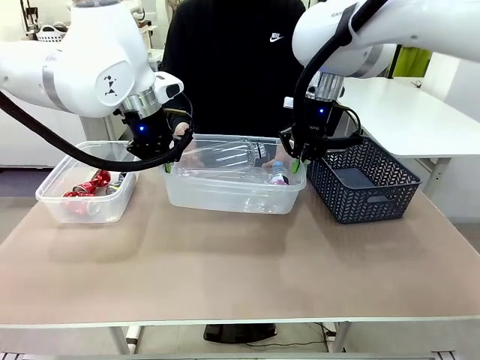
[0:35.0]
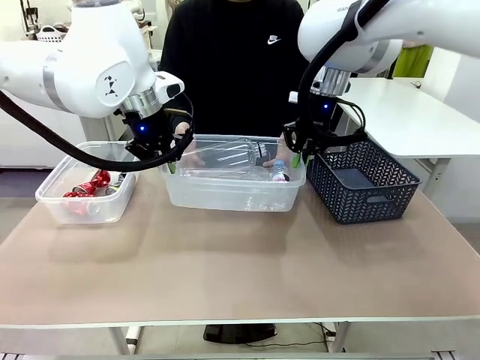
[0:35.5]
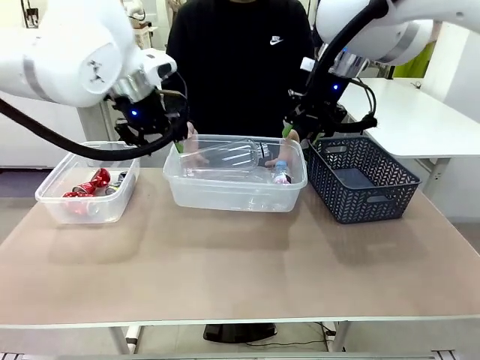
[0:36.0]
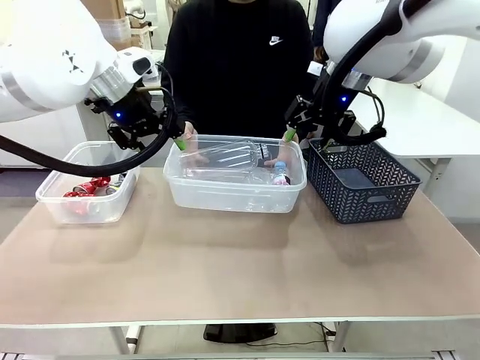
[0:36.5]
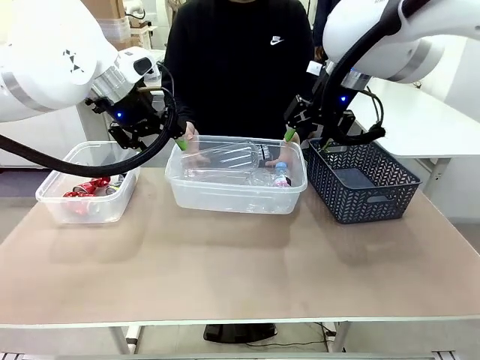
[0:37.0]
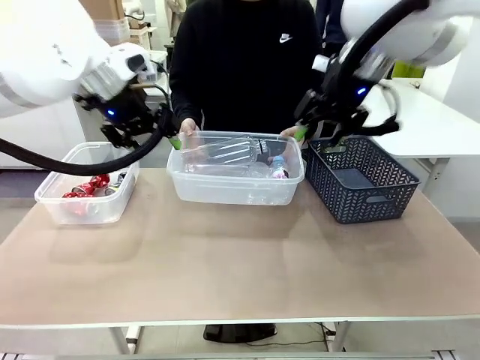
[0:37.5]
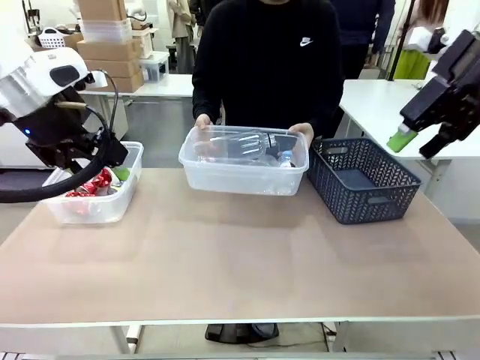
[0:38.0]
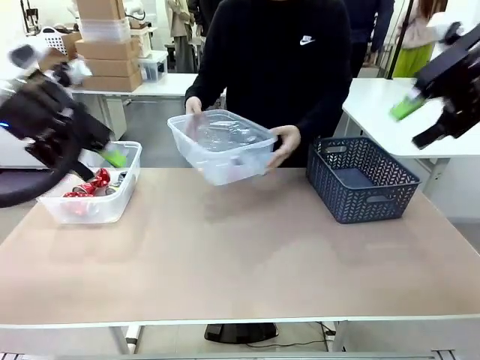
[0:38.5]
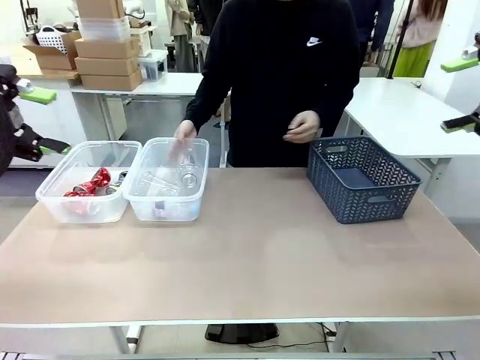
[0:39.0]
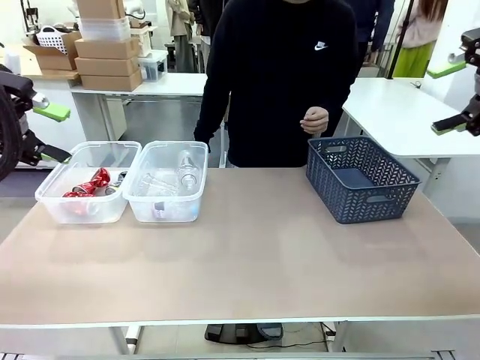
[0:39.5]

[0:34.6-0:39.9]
Robot: Release the Organizing box you were holding.
Person: Pick up the organizing box extended by the robot. Place the organizing box to the left of the sorting box containing the can waste.

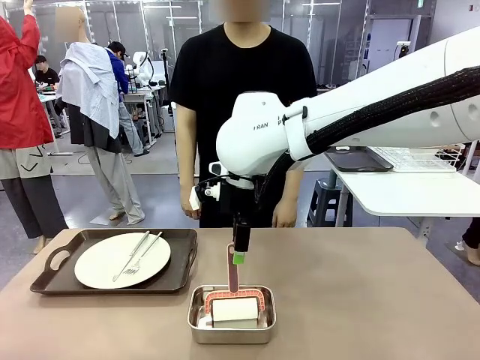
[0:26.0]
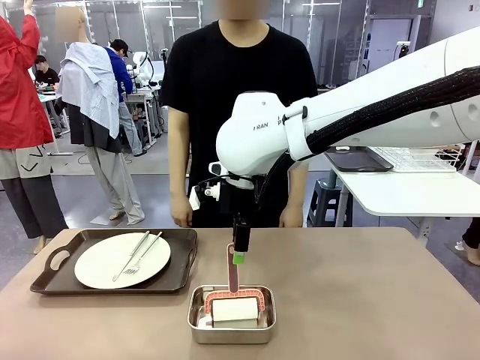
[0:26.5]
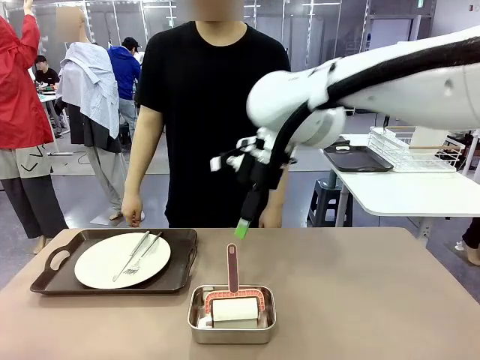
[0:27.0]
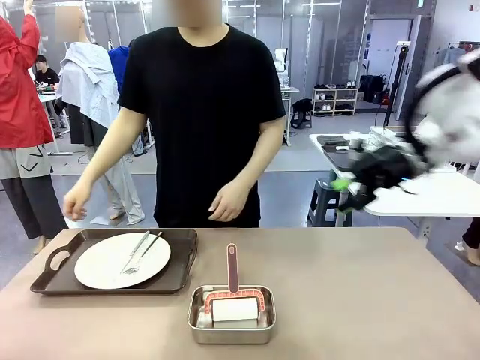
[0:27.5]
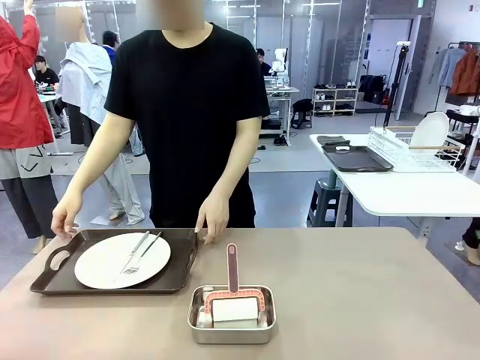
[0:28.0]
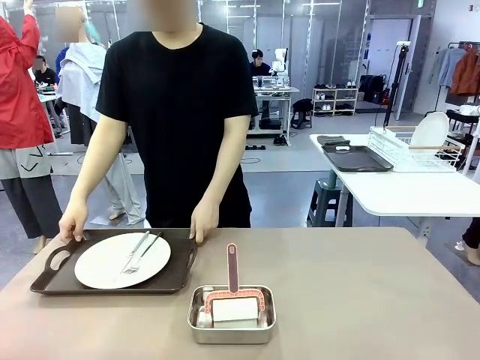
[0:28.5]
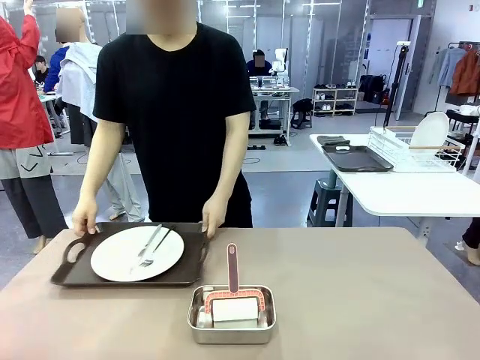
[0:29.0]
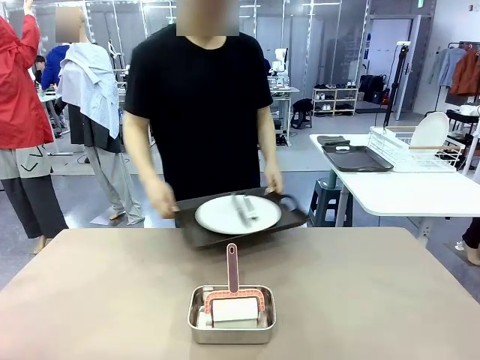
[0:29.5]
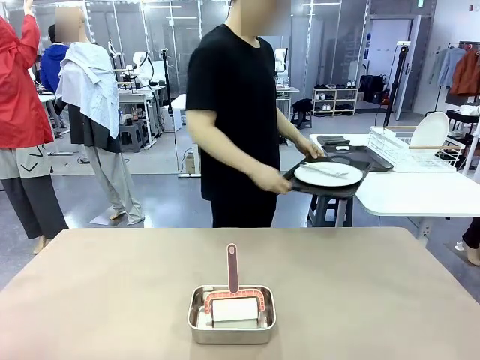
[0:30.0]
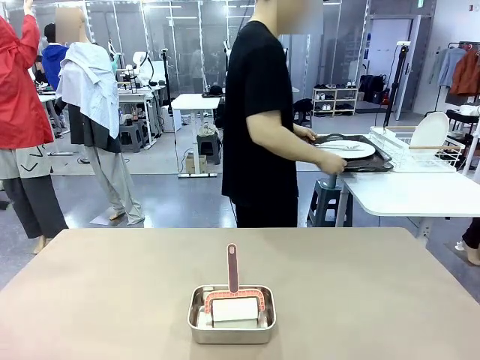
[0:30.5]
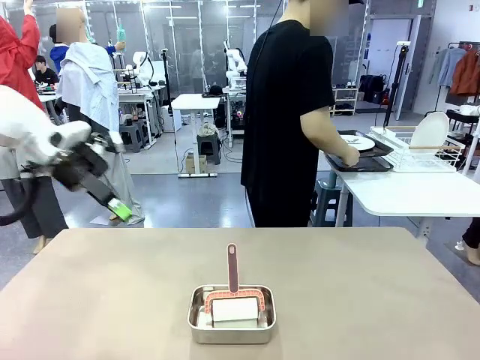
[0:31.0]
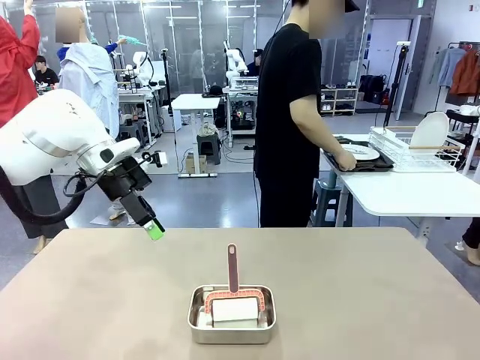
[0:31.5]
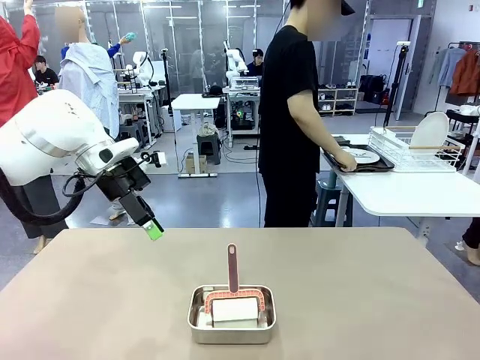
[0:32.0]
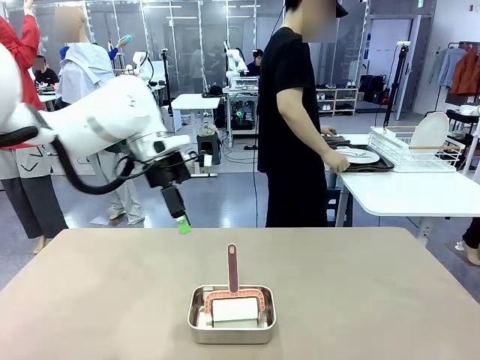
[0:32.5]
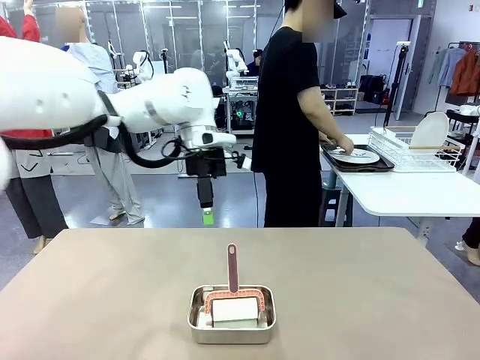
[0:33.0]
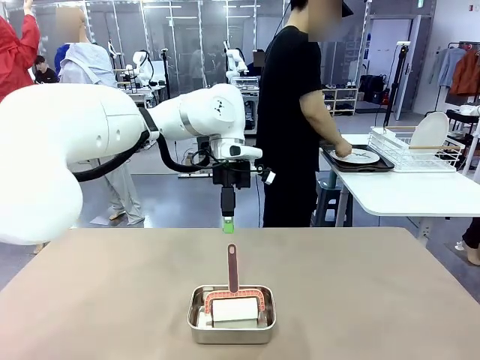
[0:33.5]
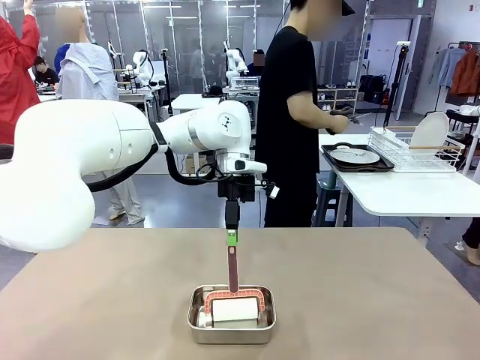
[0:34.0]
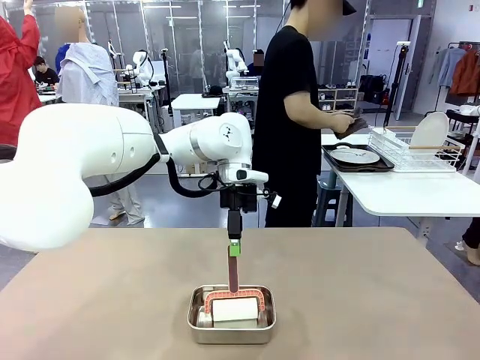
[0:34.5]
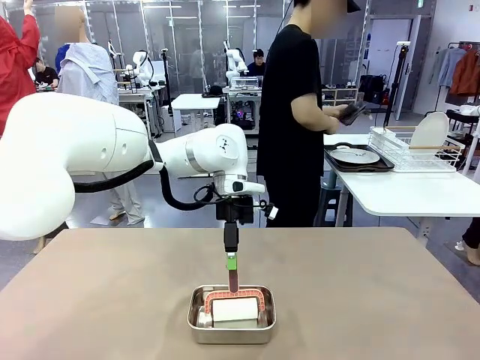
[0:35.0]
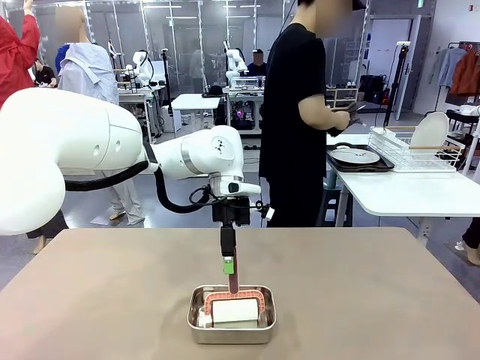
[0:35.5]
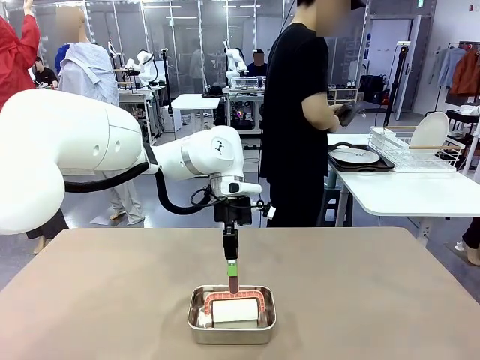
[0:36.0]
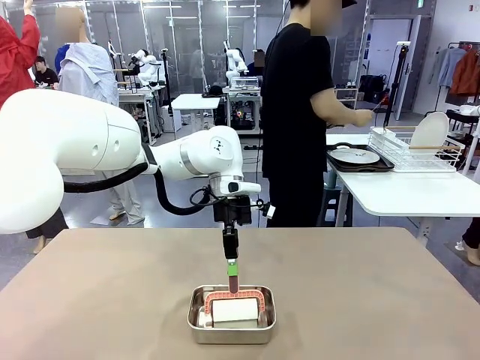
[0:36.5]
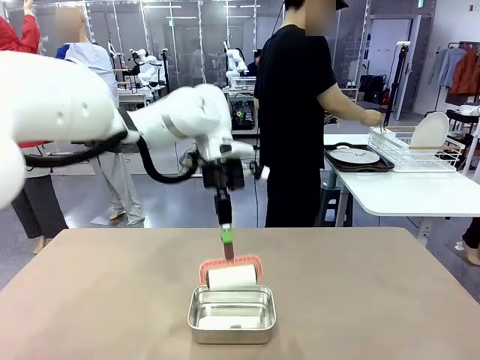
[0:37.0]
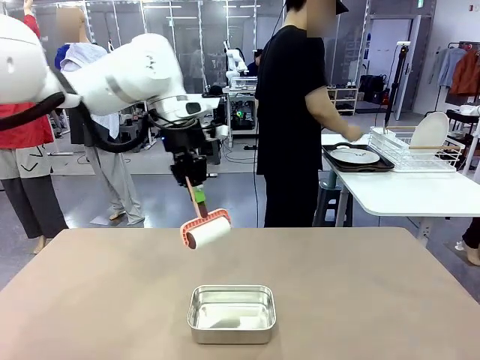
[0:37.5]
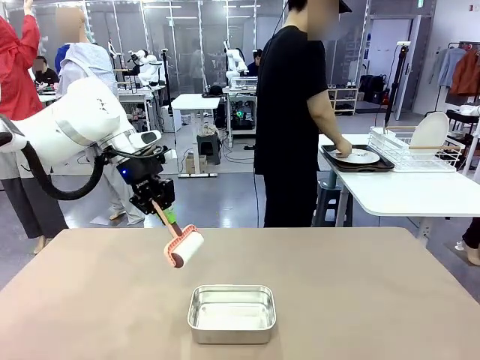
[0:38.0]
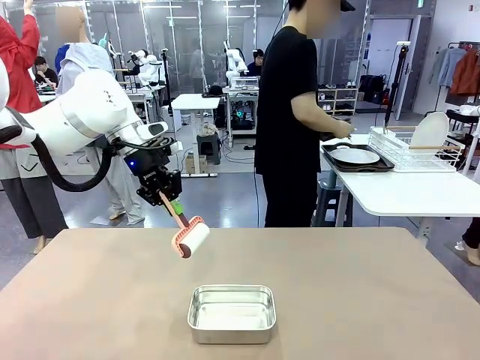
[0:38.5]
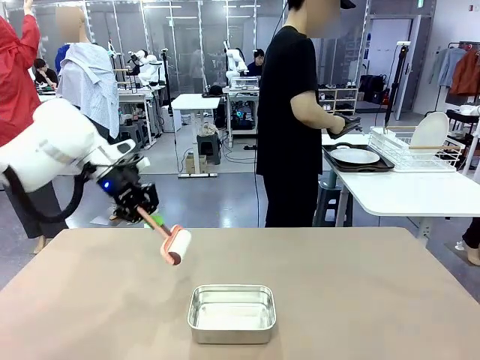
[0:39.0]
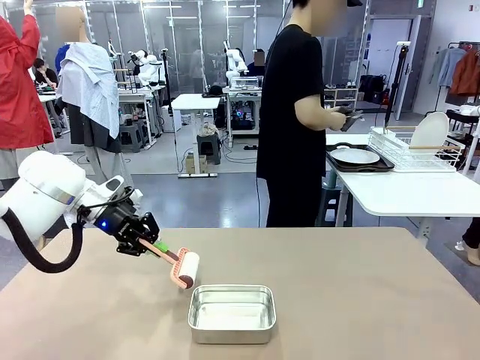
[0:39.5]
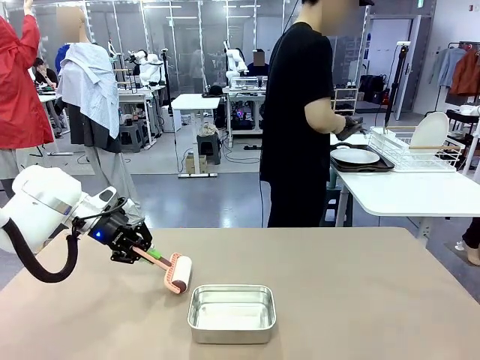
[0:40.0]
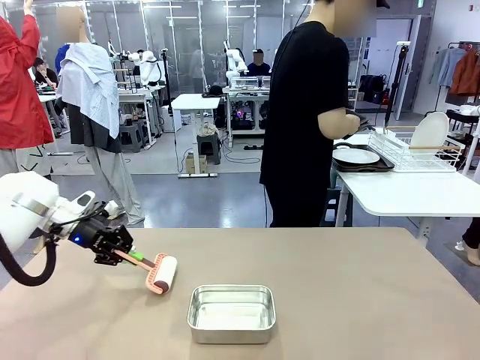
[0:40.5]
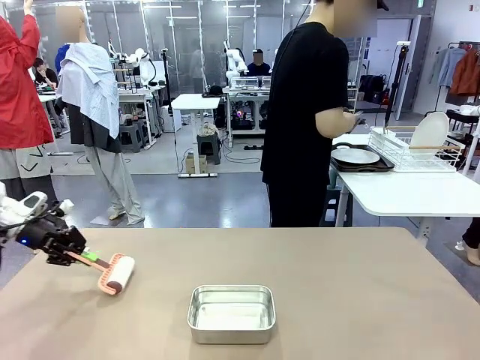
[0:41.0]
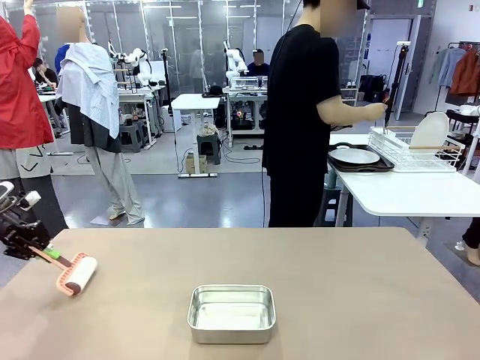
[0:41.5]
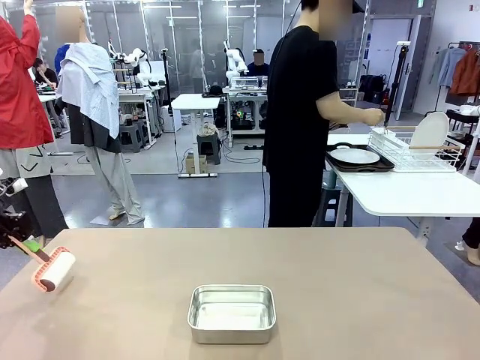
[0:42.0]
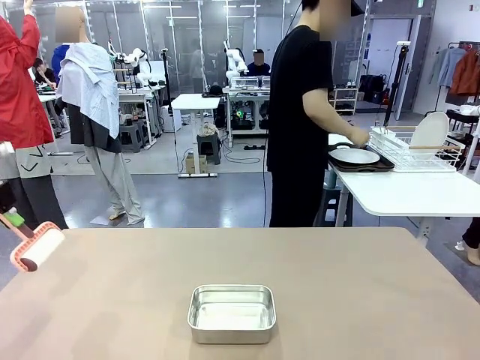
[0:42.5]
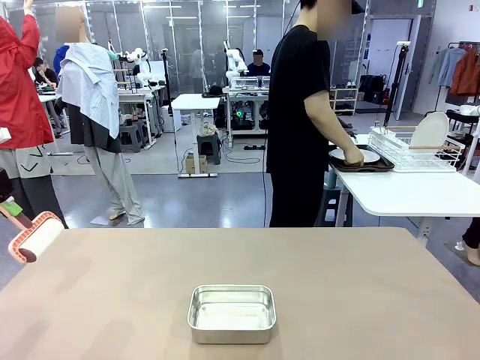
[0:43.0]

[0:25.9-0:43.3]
Robot: When the right (or left) Handle tray is removed, use the right hand (or left hand) to clean the right (or left) side of the table with the Lint Roller.
Person: Pick up the left (or right) Handle tray and place it on the Handle tray.
